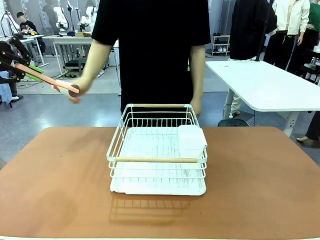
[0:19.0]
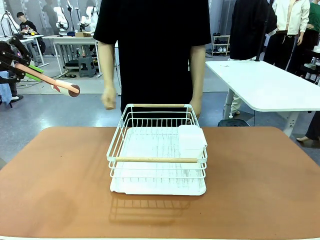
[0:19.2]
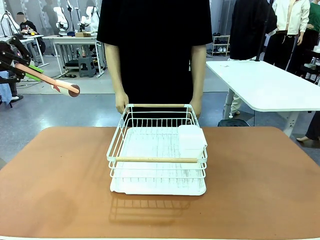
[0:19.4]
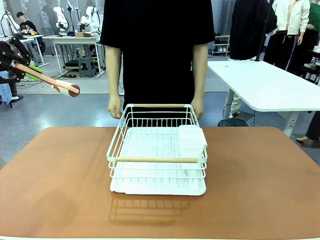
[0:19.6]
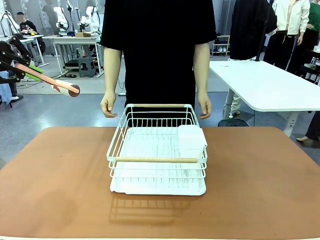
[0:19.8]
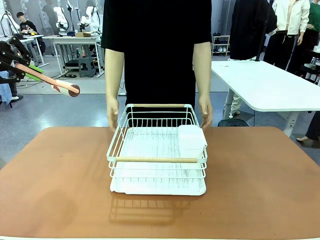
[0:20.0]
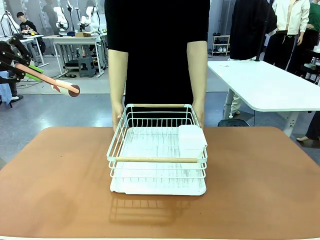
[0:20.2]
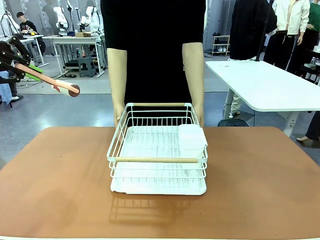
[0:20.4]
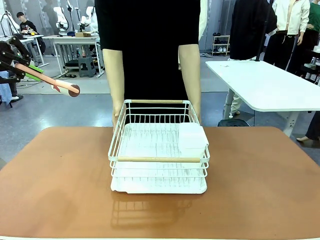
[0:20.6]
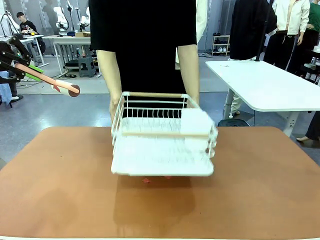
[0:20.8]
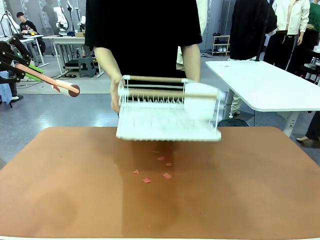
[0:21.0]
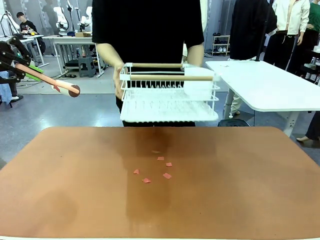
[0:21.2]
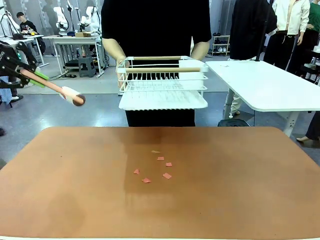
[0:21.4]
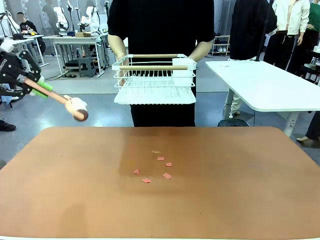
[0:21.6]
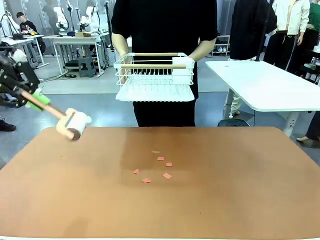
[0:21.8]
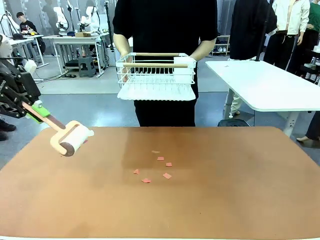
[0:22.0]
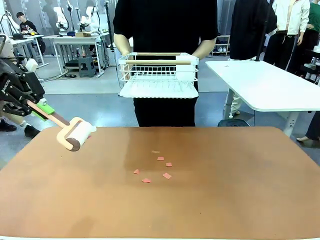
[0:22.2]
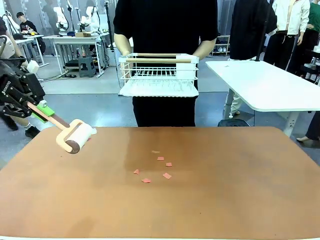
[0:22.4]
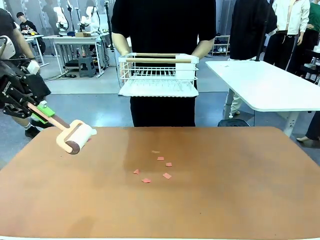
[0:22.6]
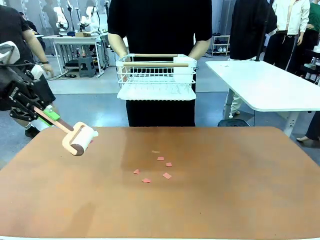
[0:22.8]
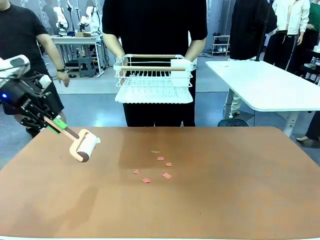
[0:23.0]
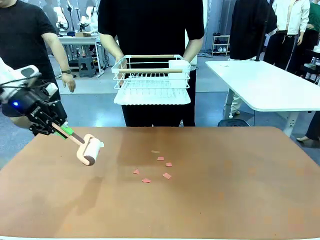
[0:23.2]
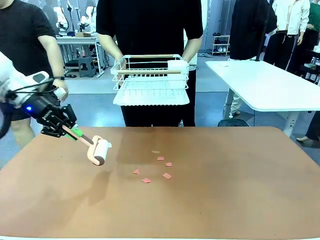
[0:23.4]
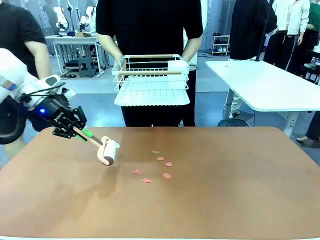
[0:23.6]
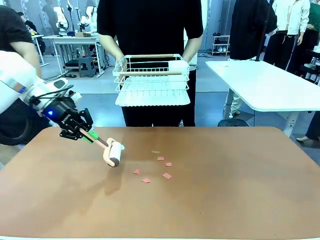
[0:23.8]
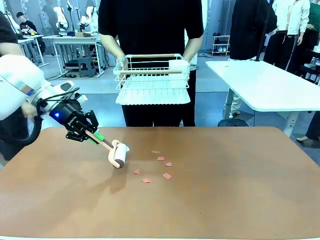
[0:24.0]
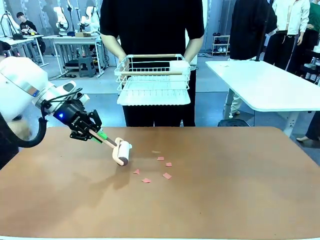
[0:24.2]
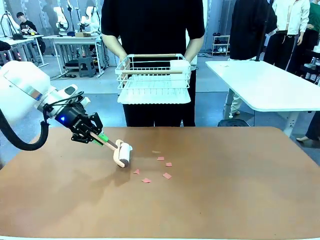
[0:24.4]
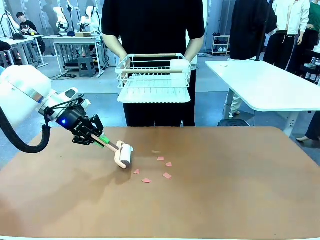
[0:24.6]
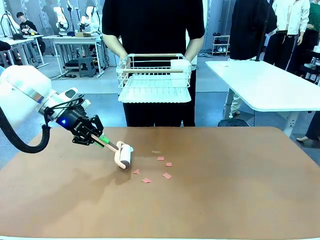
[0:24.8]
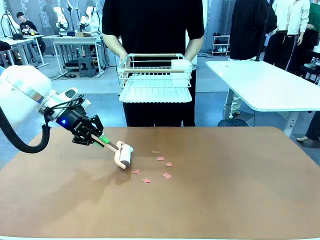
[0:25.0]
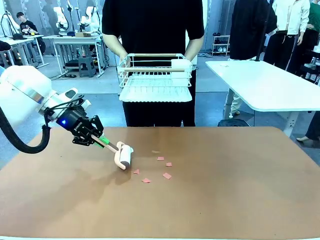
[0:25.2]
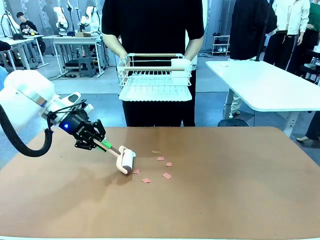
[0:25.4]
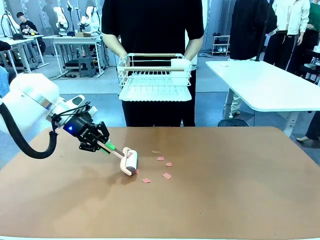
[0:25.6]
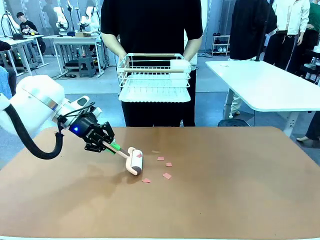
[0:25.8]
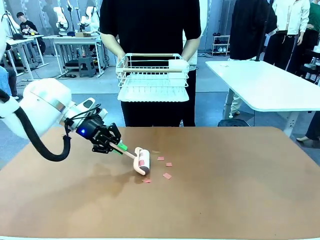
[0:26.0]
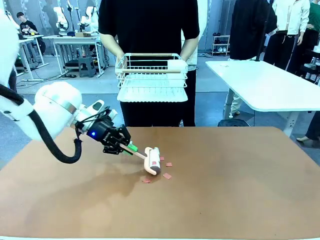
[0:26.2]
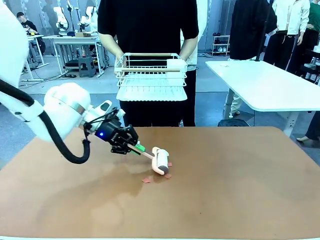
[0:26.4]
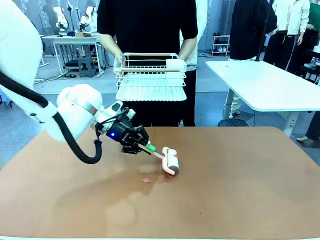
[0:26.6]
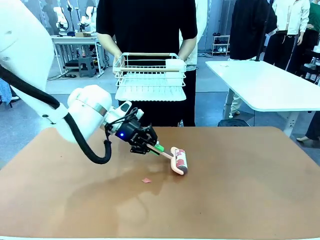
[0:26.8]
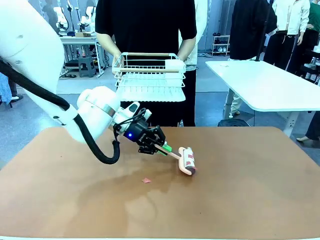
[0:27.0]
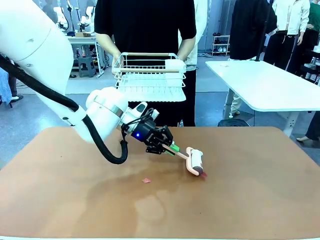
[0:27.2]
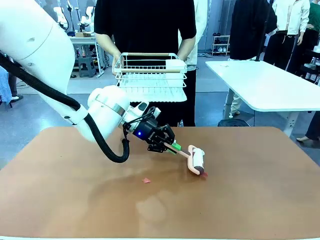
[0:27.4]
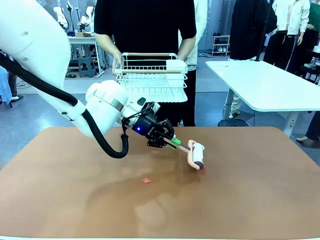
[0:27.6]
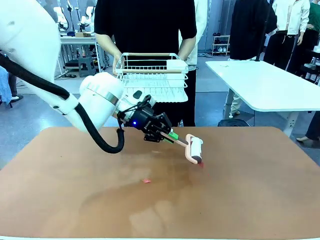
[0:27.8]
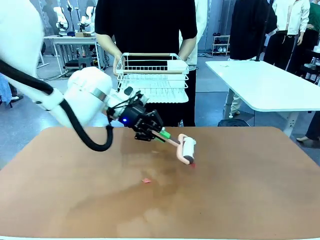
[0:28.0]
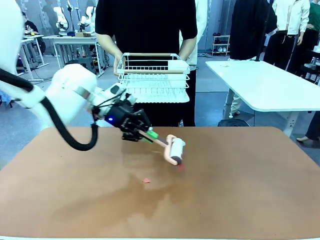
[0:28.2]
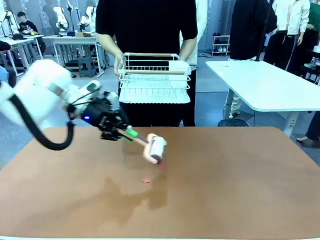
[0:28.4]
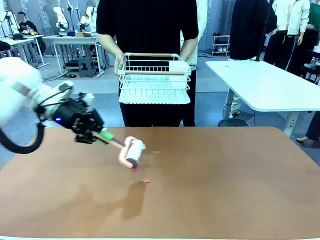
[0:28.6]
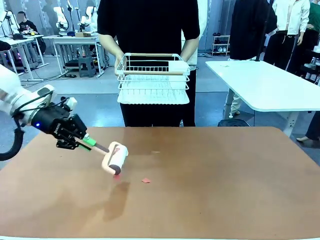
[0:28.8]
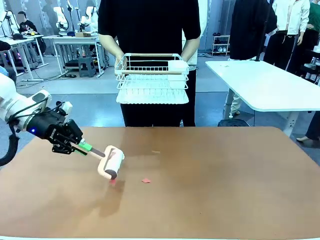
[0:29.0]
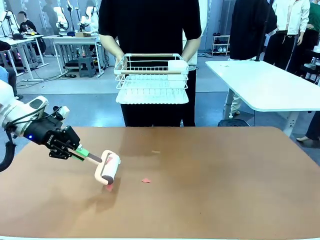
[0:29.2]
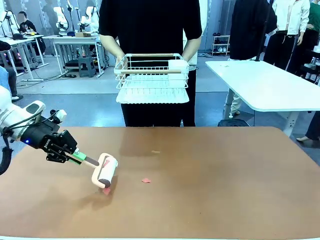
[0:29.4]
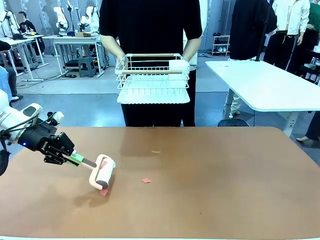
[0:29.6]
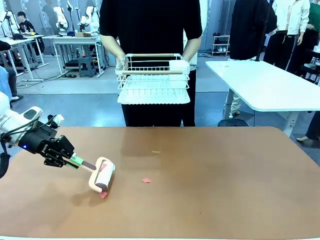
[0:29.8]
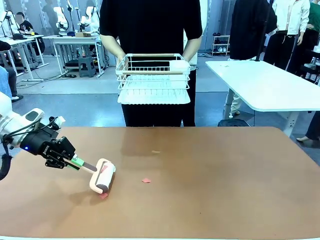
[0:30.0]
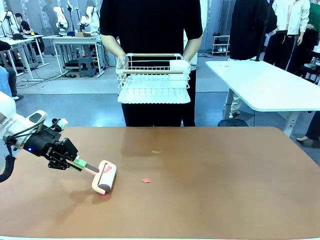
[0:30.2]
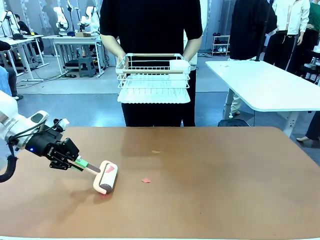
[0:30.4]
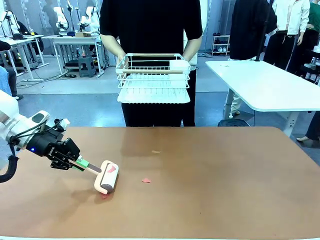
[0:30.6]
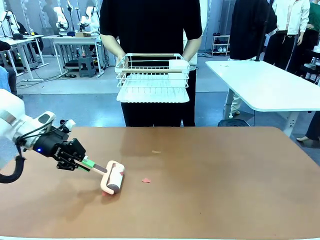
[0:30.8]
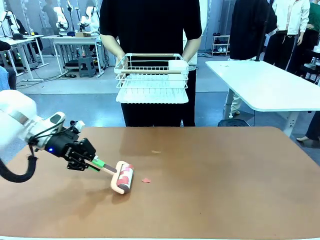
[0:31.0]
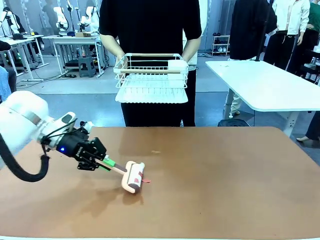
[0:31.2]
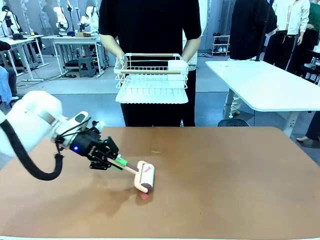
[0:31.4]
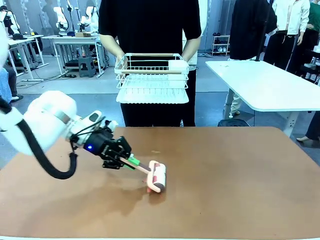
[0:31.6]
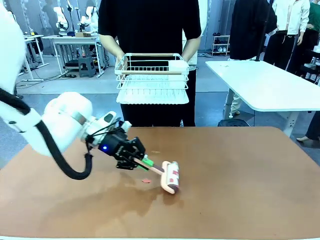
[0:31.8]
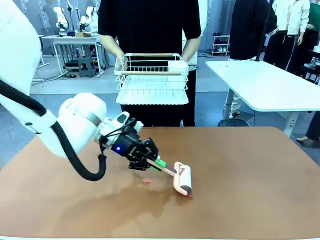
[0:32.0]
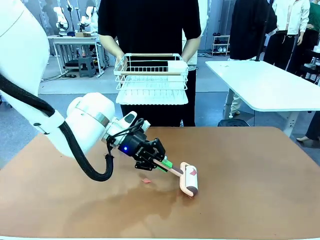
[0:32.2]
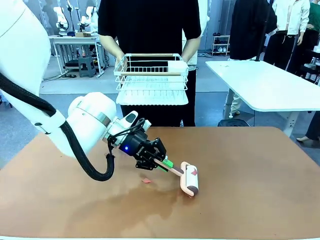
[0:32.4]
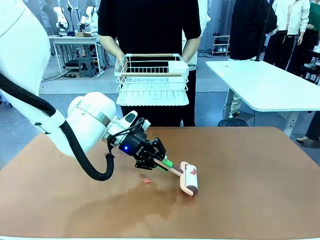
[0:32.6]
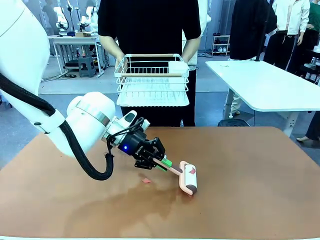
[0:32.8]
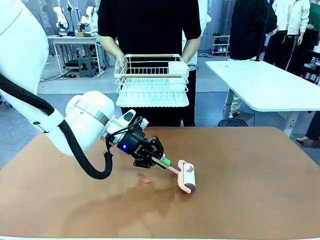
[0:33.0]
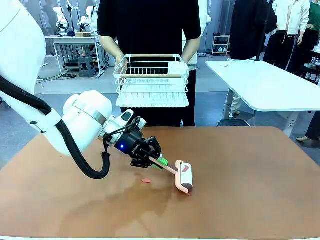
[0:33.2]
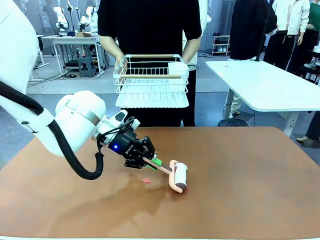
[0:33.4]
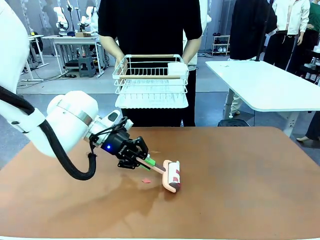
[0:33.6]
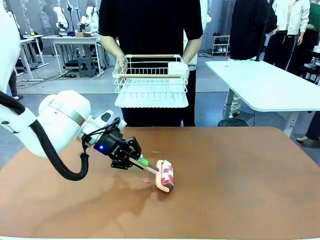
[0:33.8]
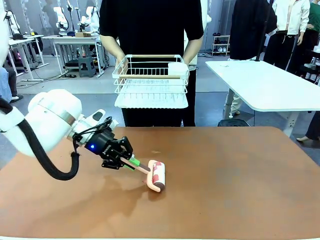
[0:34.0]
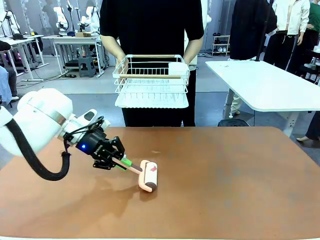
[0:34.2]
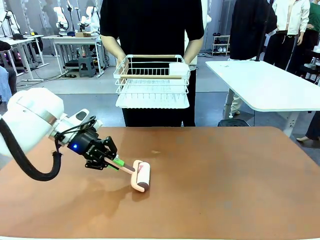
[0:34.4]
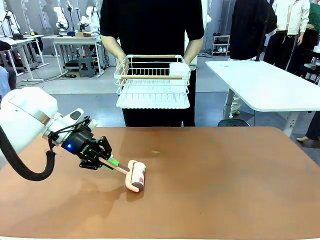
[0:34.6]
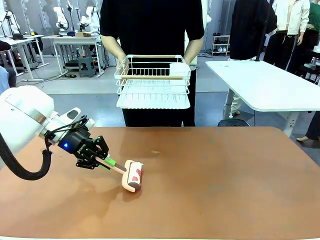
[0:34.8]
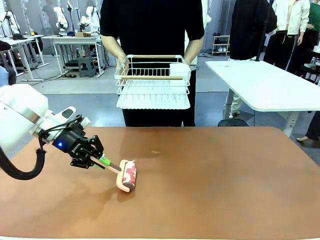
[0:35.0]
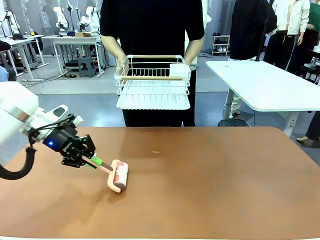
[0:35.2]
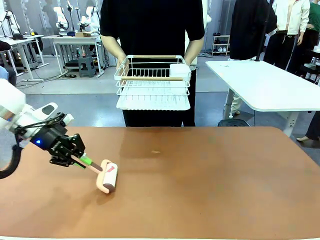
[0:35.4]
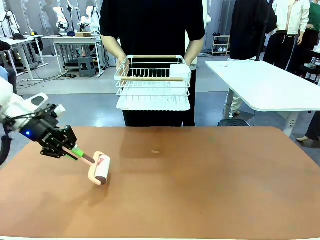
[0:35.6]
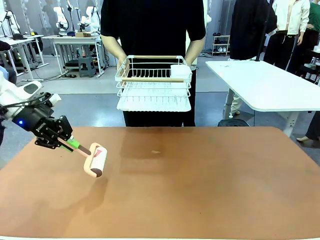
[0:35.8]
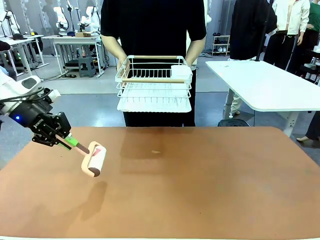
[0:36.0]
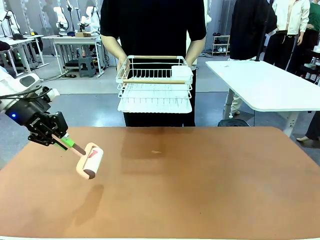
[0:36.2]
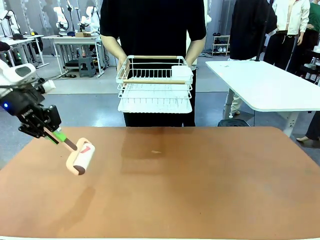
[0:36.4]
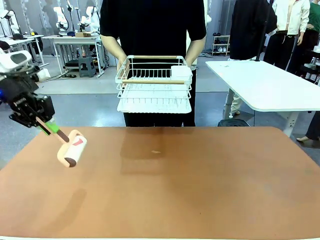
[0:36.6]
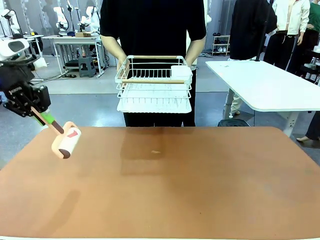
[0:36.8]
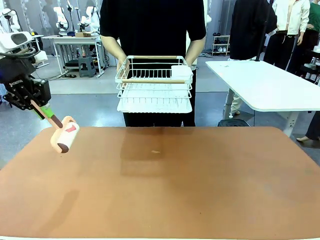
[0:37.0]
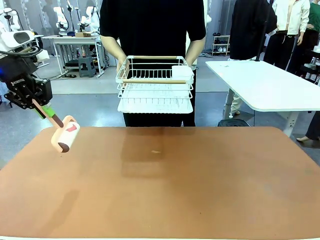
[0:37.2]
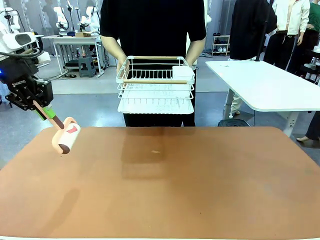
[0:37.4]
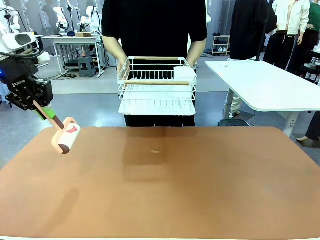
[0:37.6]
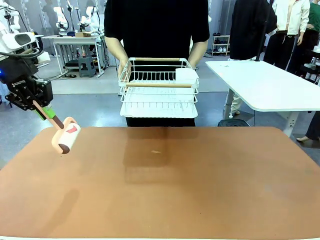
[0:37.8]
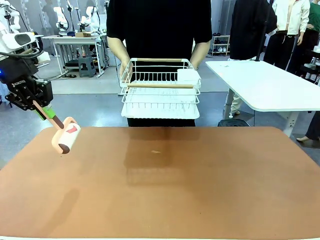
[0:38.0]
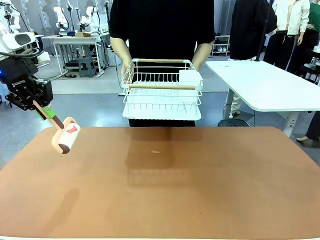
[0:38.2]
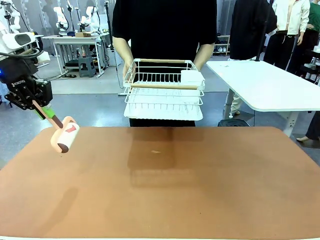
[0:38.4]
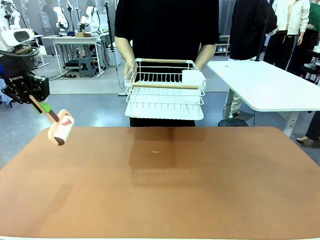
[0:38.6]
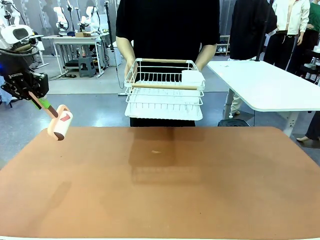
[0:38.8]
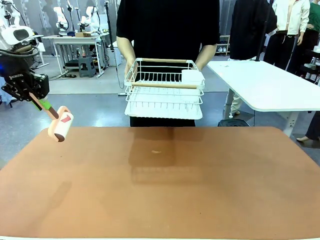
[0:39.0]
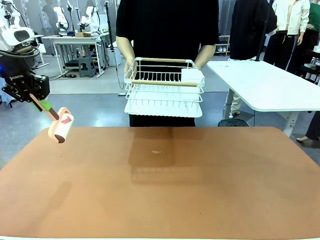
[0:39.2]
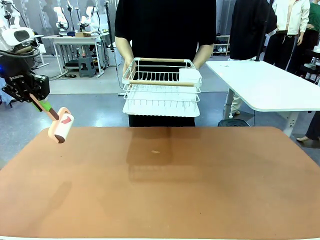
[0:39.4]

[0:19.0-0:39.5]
Task: Clean the table.
Robot: Clean the table with the Lint Roller when the human lifts the Dish drying rack.
Person: Place the Dish drying rack down when the robot finishes cleaning.
